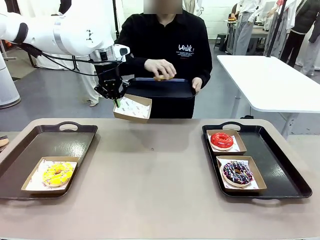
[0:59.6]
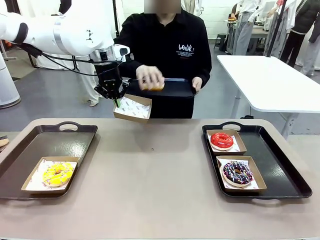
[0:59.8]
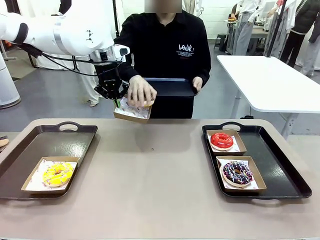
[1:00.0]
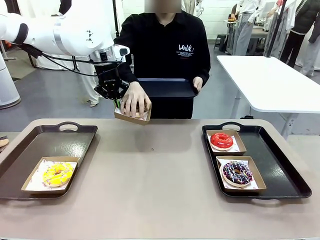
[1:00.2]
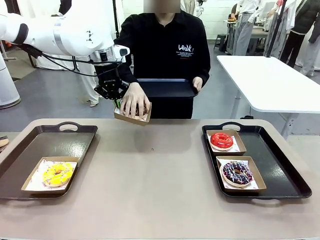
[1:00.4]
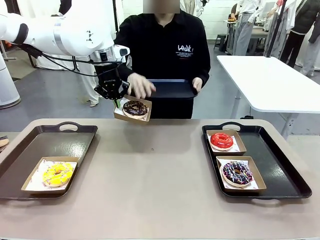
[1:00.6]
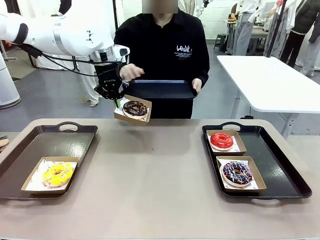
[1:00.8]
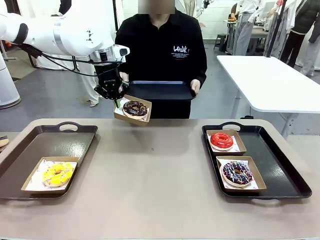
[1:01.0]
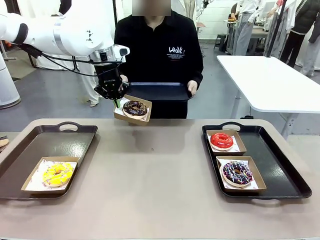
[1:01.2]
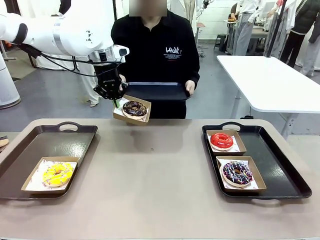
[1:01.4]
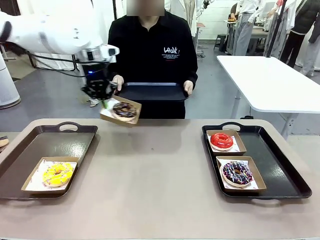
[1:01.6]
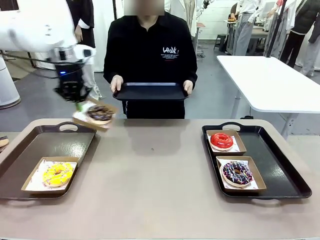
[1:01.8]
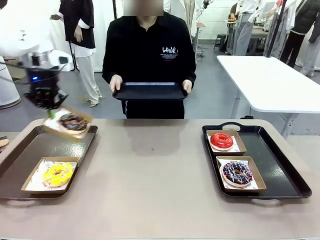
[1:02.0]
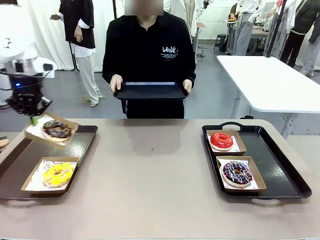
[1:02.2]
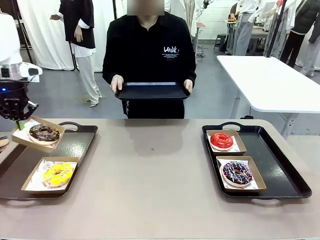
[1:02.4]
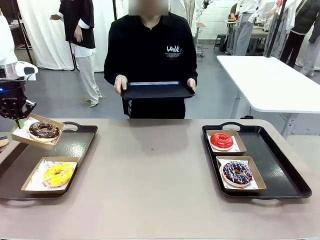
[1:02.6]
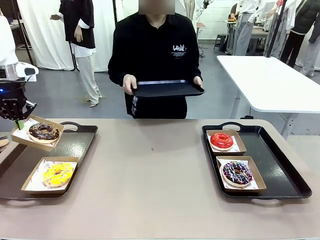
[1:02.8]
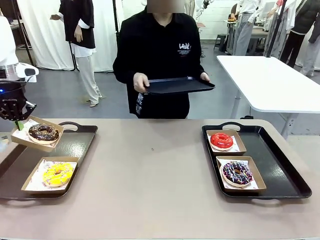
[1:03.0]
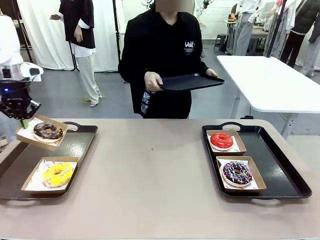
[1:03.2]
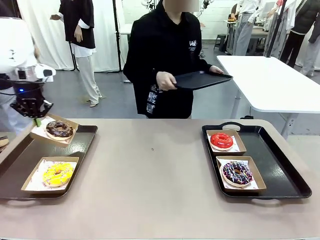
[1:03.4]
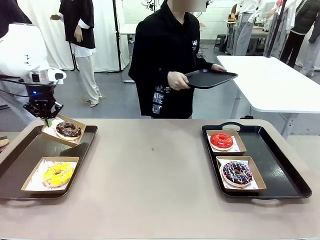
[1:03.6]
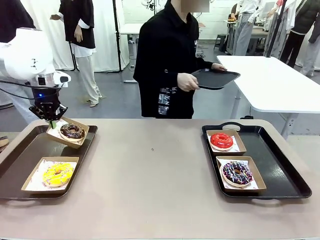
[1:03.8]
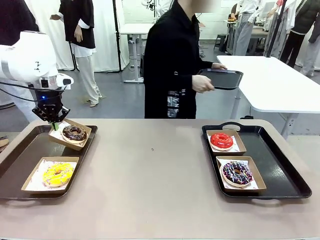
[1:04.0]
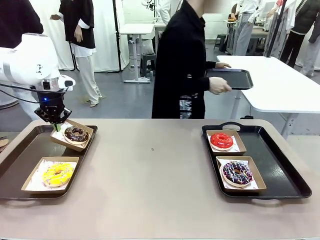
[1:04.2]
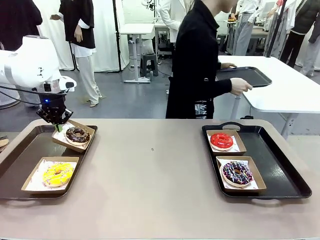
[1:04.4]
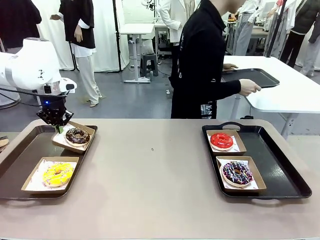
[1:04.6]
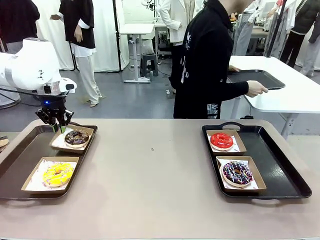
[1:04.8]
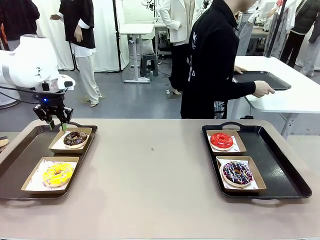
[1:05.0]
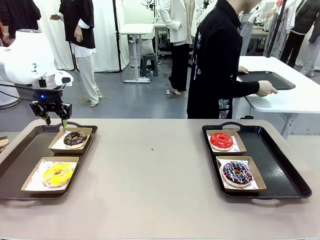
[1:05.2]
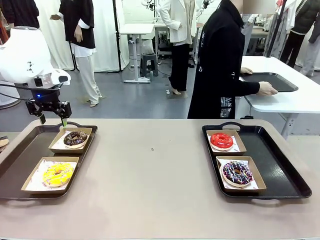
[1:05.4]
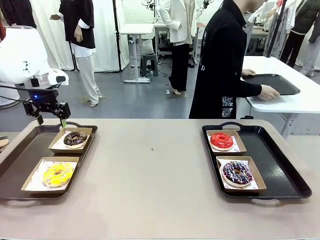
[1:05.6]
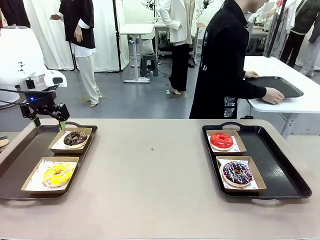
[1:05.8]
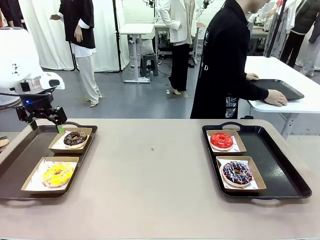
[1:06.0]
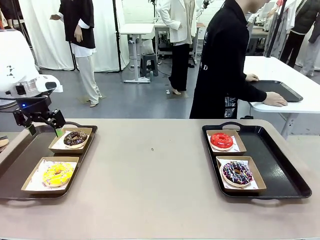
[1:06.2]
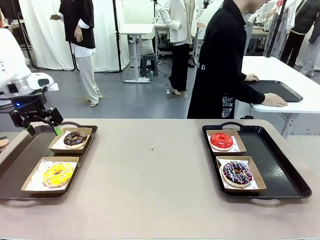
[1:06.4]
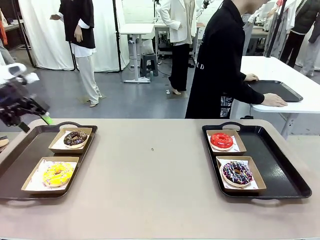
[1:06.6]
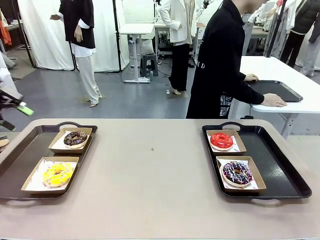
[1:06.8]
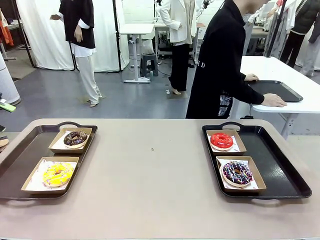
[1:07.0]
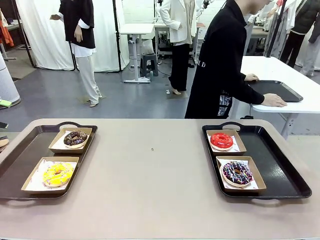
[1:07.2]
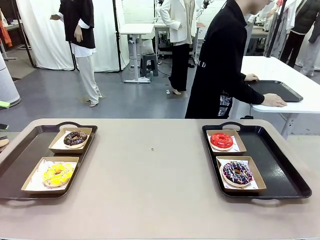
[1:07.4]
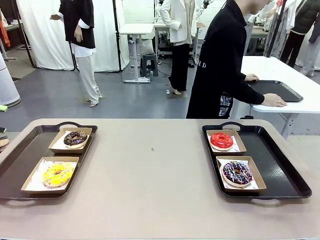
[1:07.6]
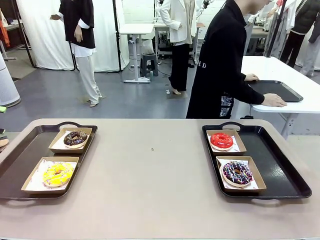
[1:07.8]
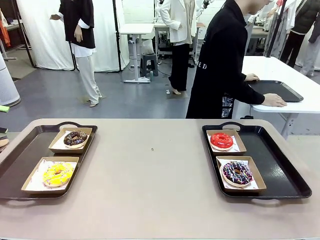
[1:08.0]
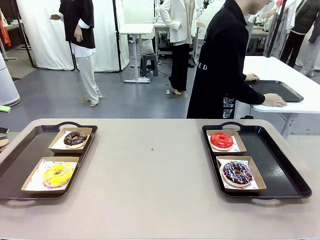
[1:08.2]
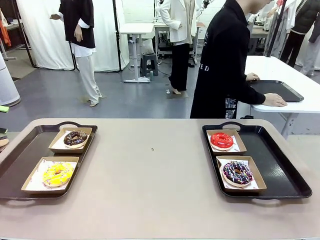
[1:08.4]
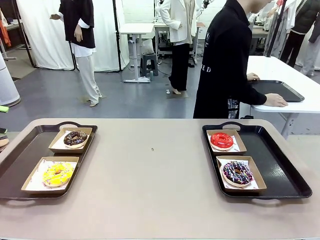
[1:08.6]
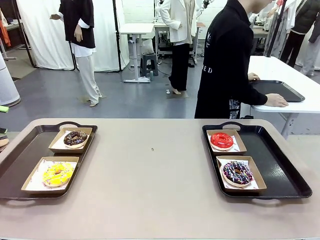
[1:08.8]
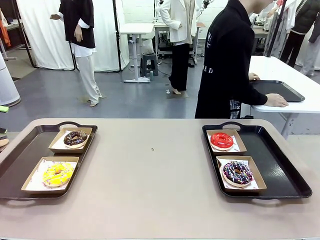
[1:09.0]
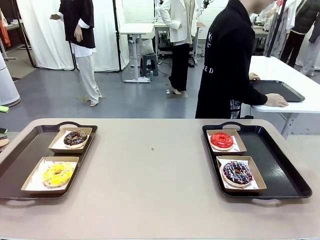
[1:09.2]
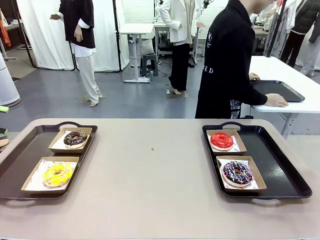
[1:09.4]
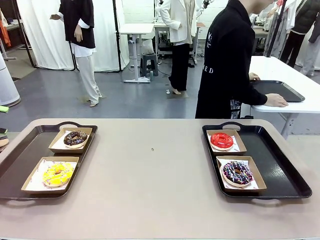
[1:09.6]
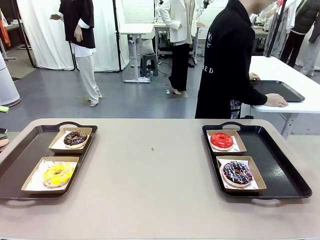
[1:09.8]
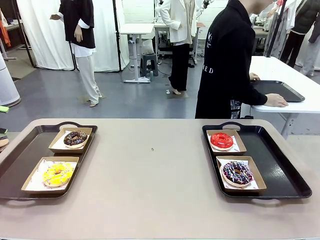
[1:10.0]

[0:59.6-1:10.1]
Task: Individually package the donuts and arrange them on the tray.
Robot: Place the picked Paper togo box on the Handle tray.
Person: Place the tray down in the middle of the human table.

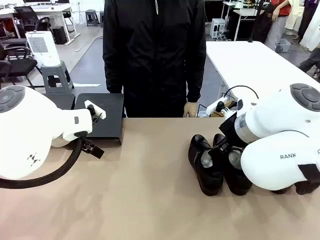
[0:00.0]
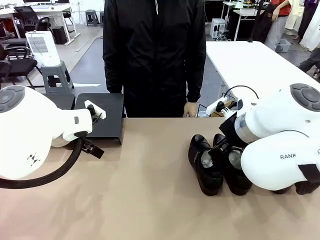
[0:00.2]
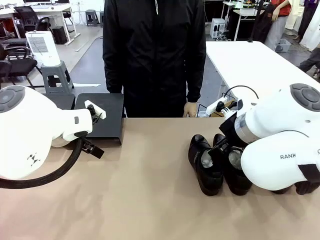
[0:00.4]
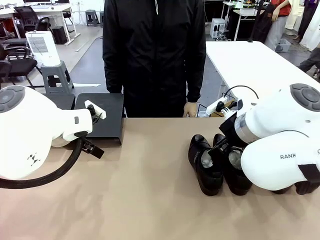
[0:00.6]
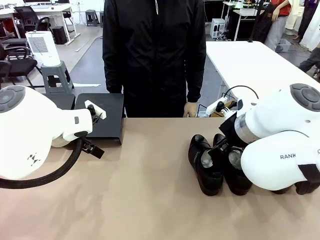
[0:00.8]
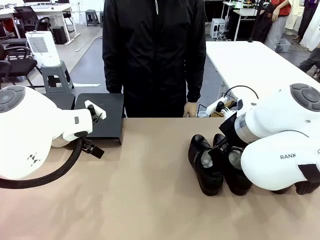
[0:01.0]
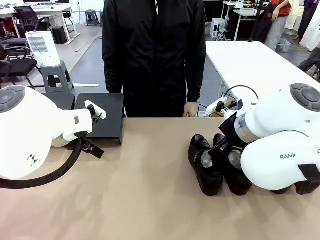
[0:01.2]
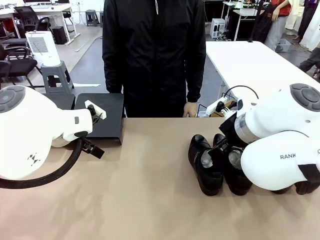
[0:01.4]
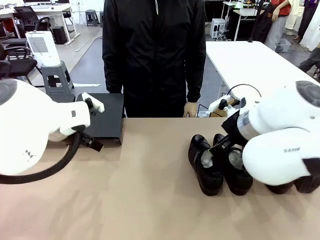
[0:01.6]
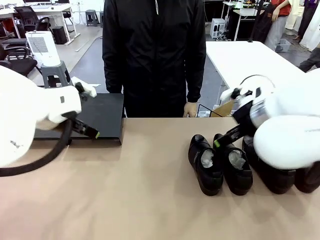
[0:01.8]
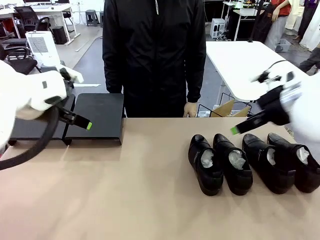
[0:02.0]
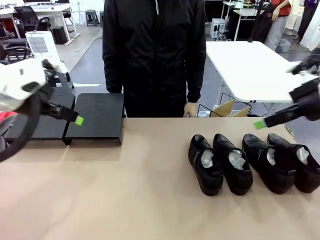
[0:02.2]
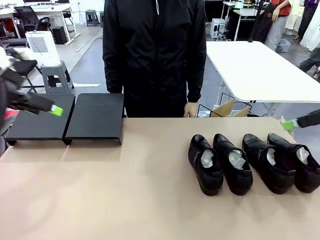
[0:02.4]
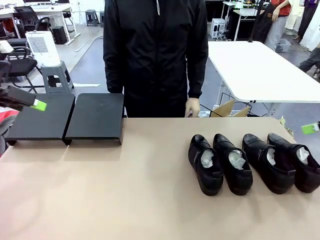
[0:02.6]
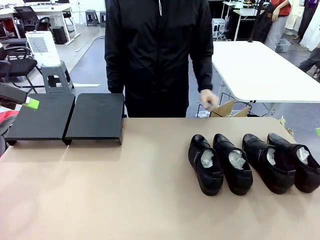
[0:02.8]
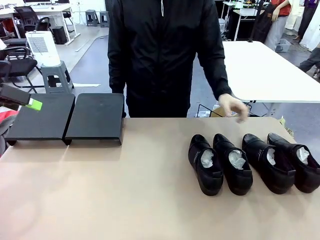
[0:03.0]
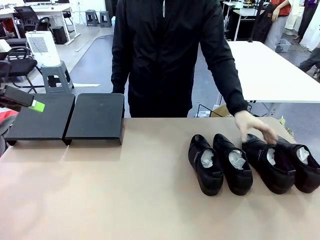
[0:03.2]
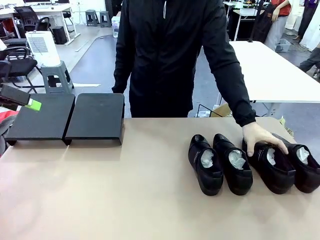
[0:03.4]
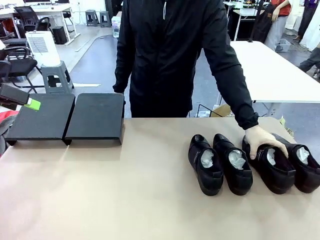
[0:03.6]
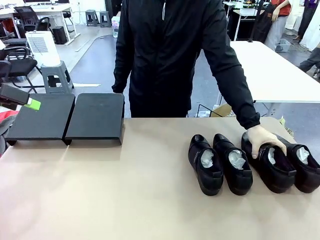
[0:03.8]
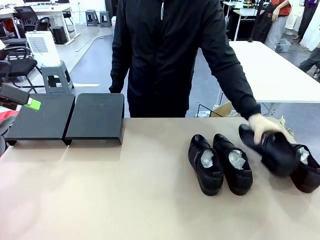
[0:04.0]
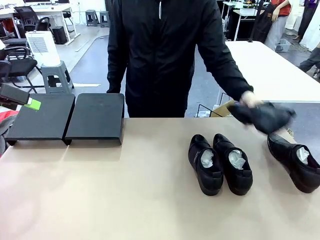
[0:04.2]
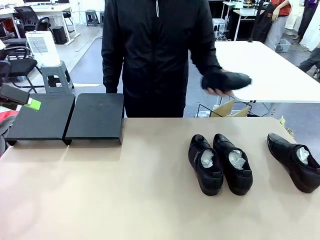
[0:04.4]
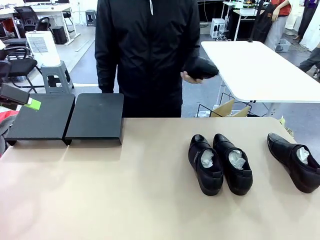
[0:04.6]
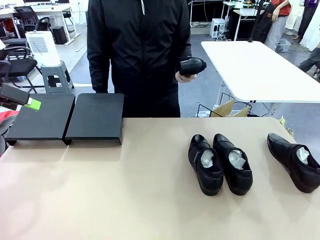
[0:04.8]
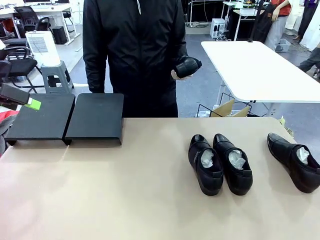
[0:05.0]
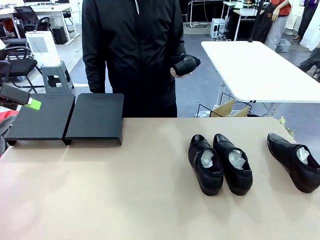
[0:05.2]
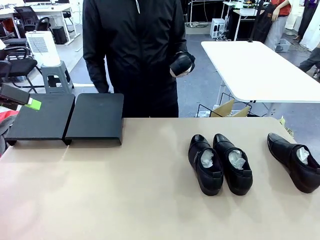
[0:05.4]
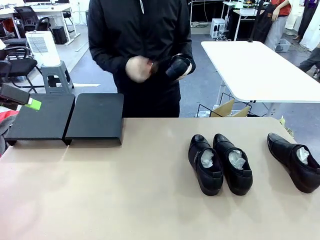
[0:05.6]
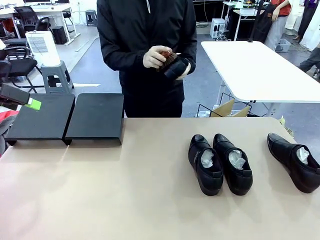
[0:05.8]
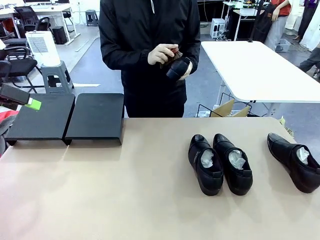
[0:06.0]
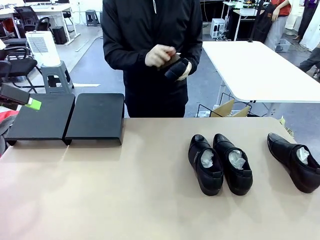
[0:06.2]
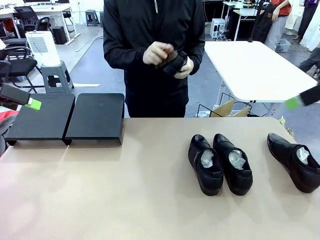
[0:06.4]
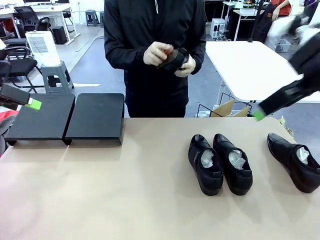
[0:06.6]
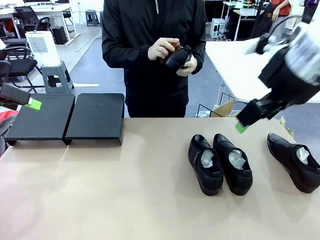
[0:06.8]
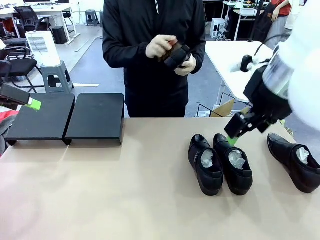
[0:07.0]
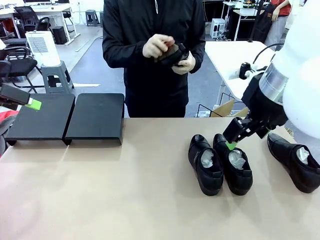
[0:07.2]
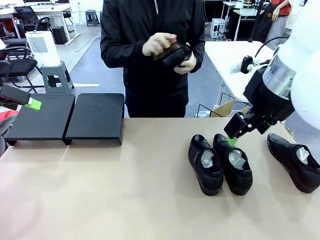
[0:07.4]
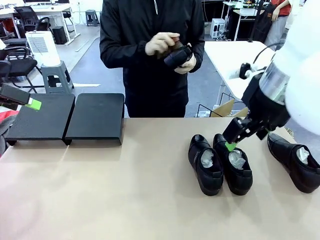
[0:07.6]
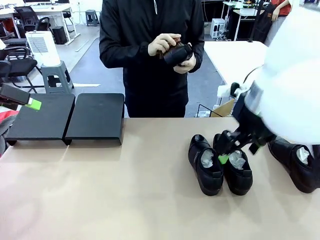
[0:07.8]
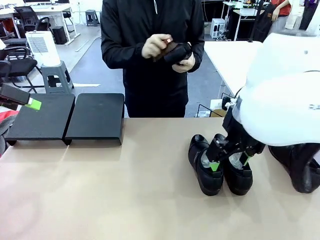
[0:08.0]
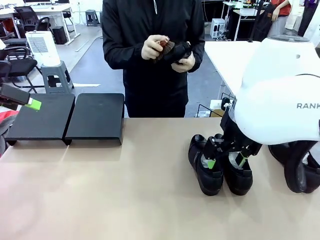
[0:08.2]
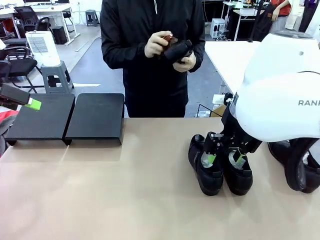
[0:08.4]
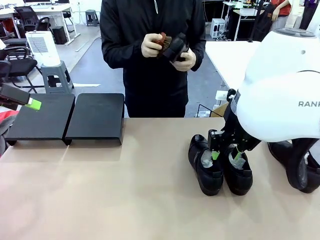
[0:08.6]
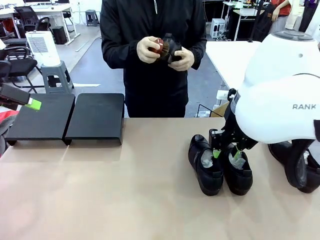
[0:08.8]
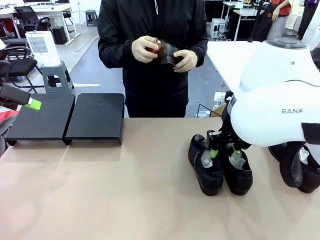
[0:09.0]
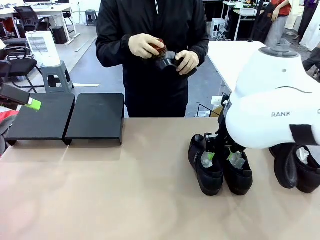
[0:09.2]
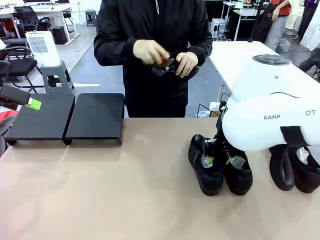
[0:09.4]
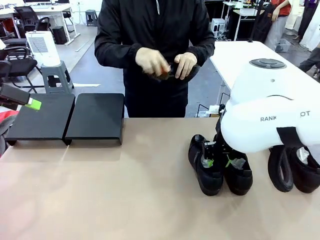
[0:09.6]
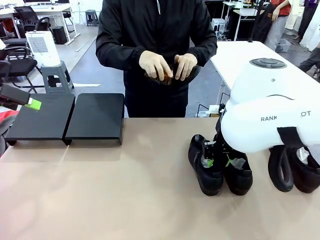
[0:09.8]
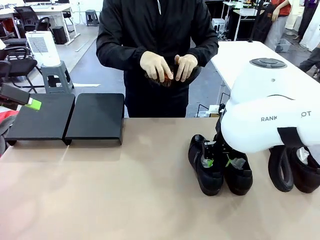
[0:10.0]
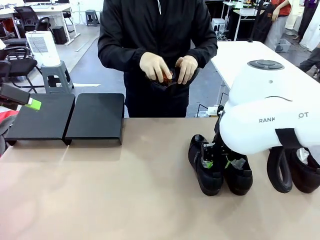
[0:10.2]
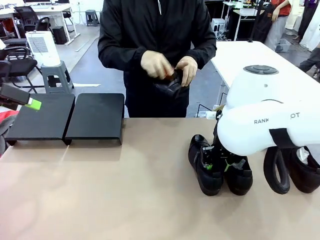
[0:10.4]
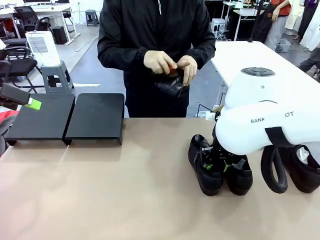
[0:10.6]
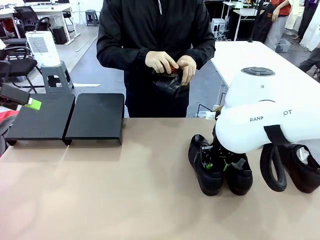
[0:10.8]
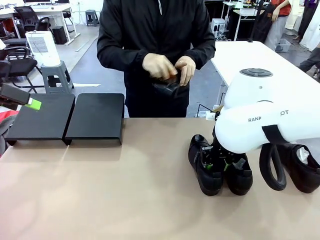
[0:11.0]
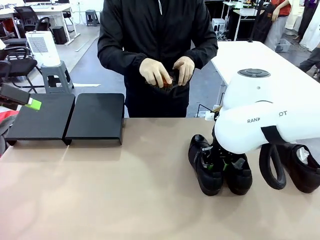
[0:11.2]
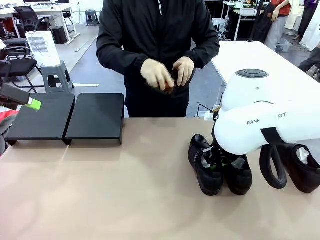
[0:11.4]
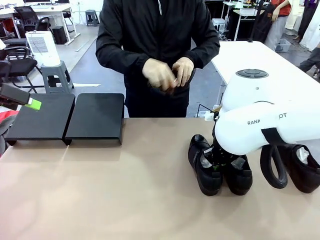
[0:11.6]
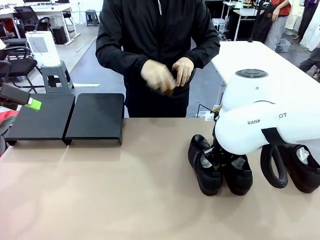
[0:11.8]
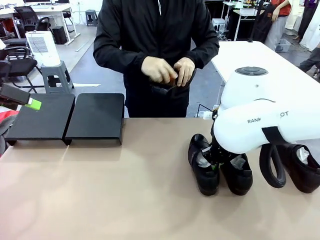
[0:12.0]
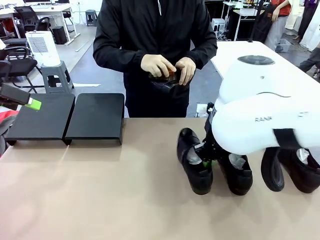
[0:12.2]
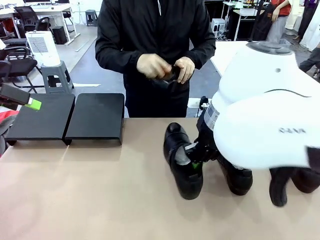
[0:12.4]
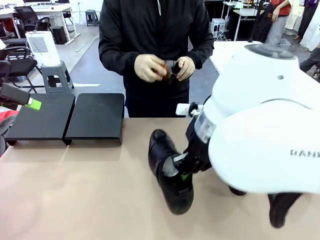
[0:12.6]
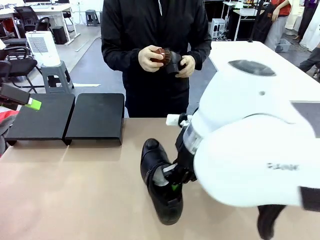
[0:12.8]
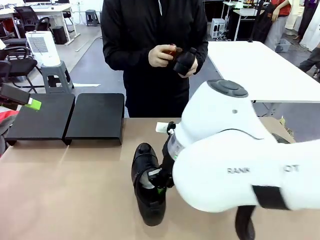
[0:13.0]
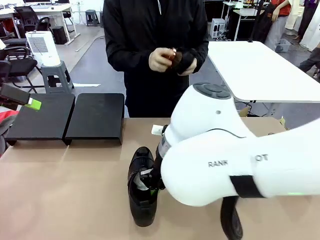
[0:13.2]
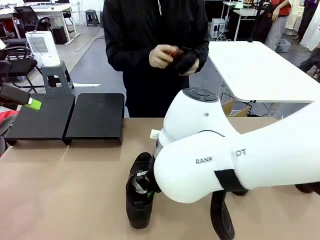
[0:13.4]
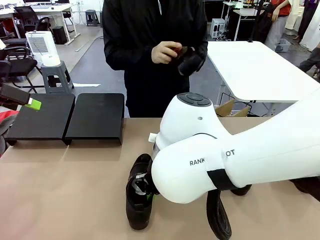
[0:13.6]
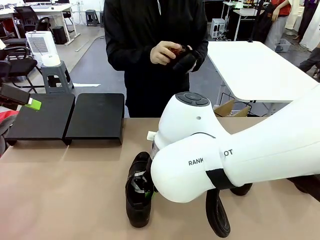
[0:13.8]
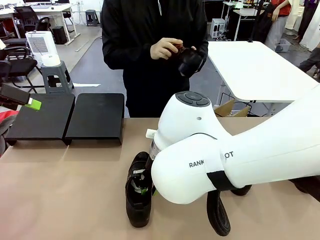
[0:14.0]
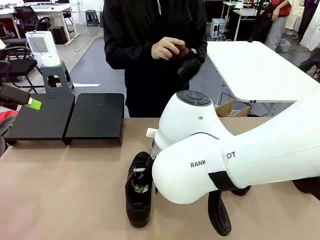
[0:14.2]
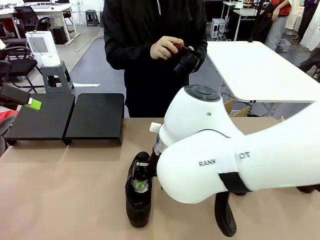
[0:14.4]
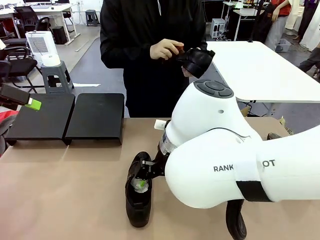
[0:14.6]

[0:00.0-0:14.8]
Task: Organize the shoes by placing them on the stand.
Robot: Pick up one Shoe and place it in the middle of the table.
Person: Pick one Shoe on Robot's table.
